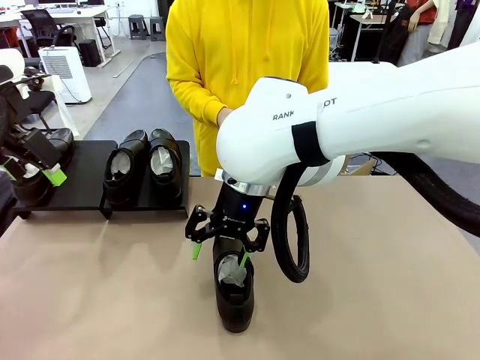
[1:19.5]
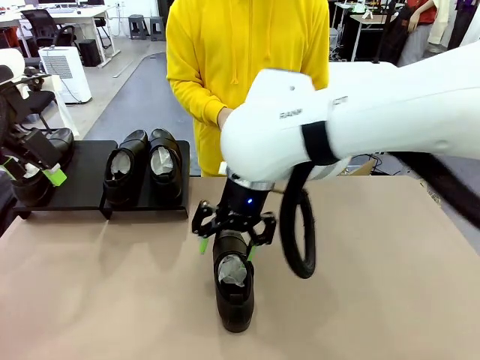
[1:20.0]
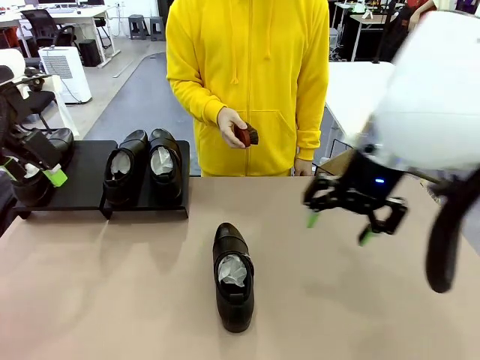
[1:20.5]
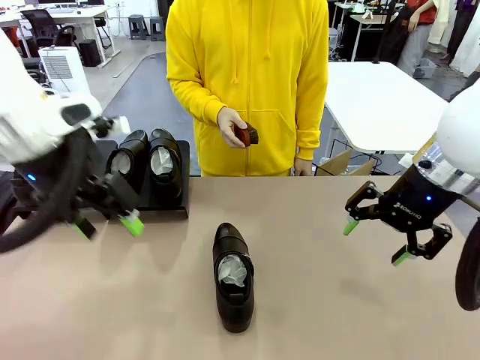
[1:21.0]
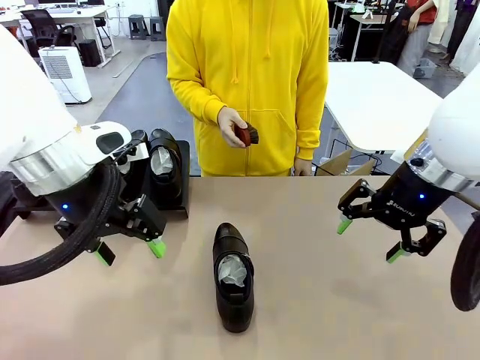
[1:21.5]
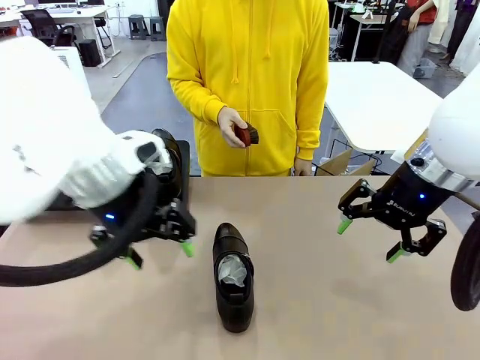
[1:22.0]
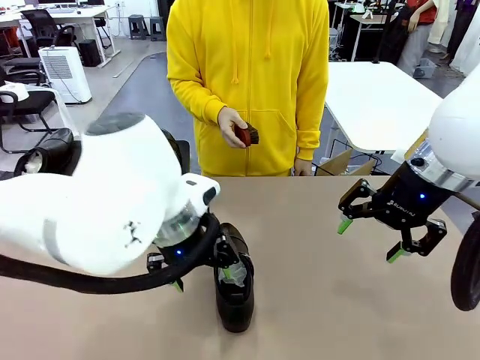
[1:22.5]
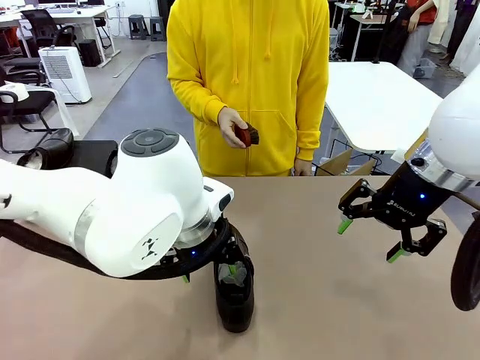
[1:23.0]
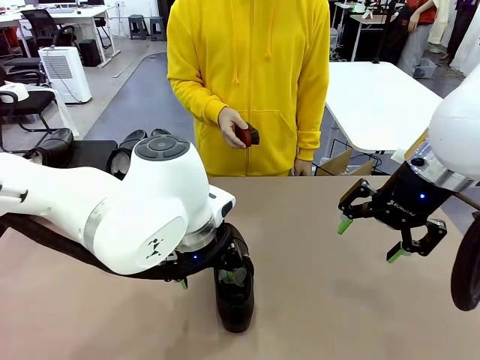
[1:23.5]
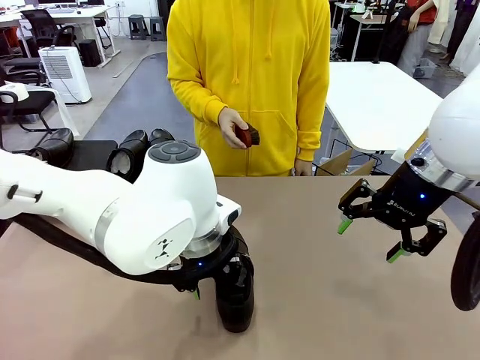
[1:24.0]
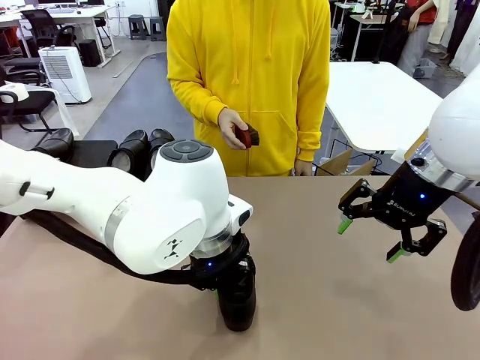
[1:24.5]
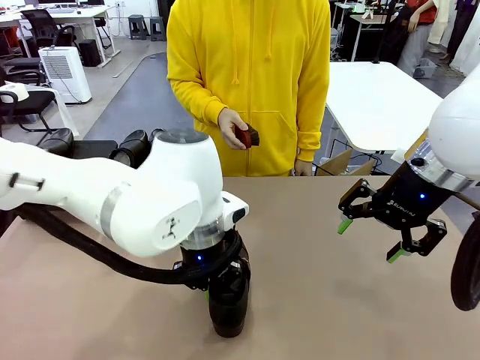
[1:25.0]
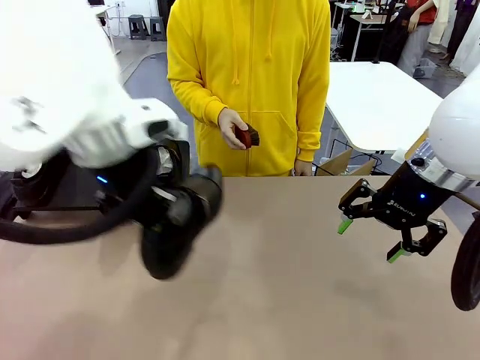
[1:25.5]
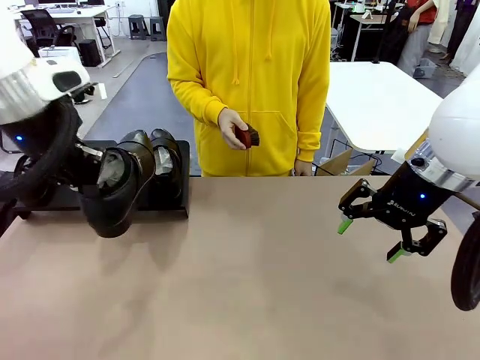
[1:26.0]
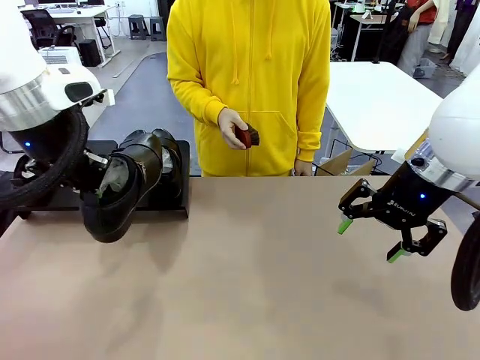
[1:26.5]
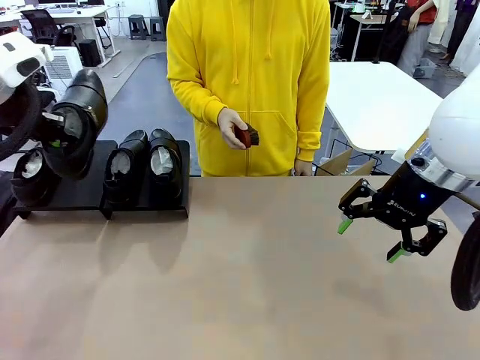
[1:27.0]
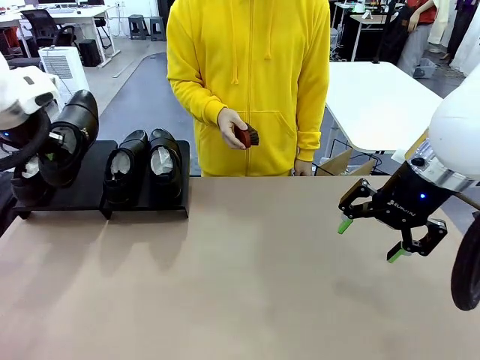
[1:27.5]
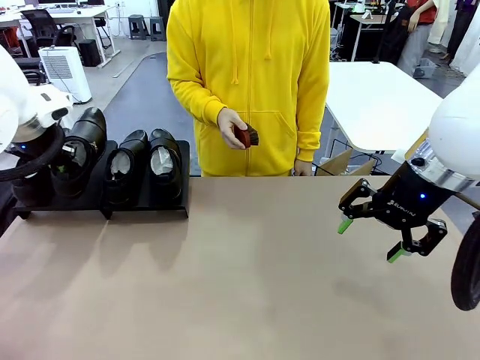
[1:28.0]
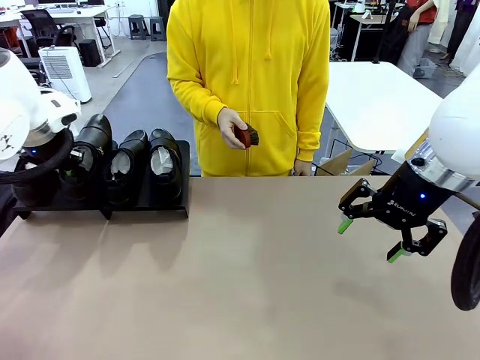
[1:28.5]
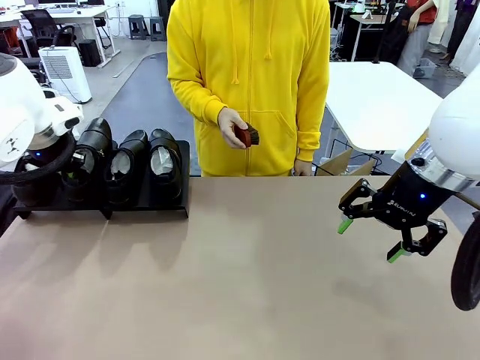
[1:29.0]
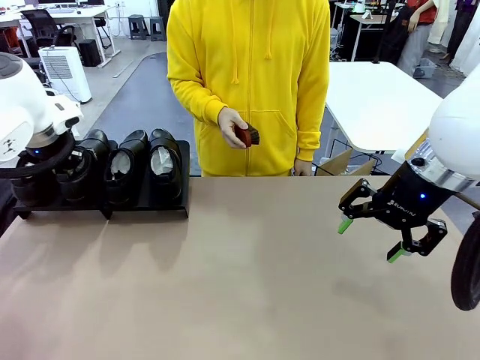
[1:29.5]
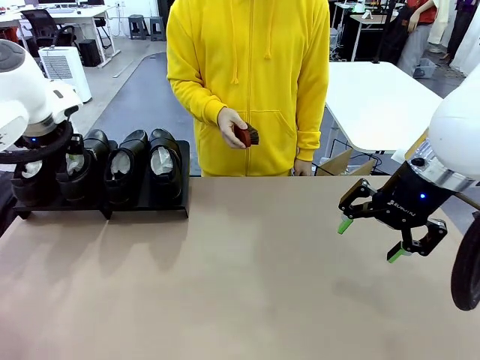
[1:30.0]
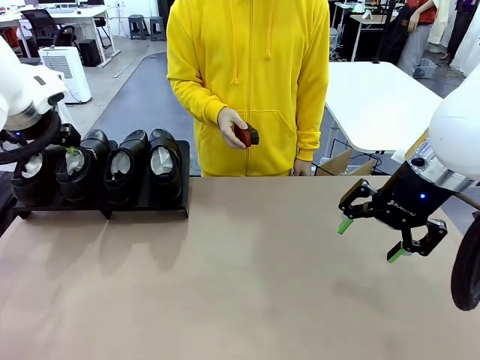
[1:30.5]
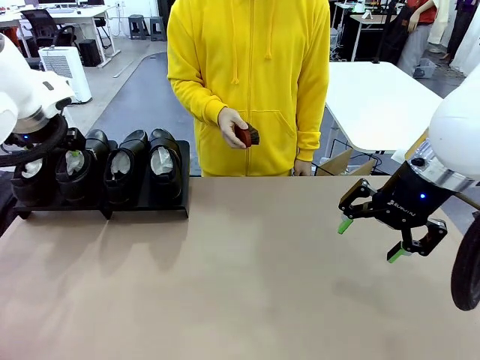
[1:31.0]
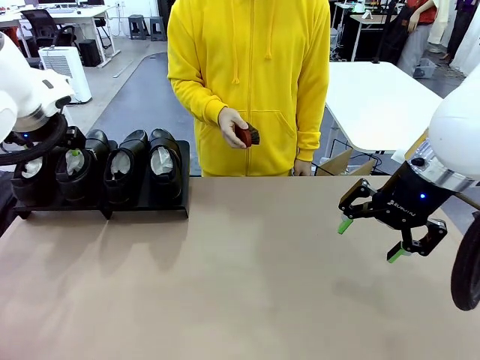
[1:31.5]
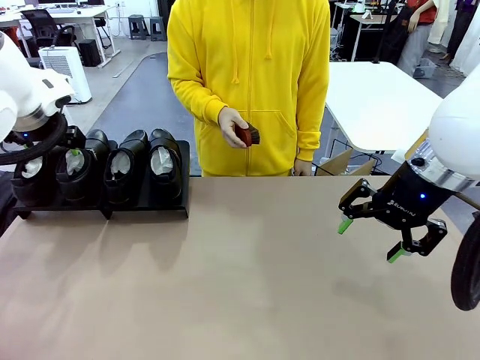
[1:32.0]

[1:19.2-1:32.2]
Task: Organize the shoes by placing them on the stand.
Robot: Place the Shoe from the middle of the table onto the Shoes Stand.

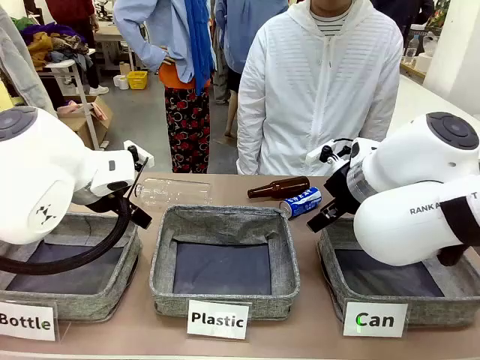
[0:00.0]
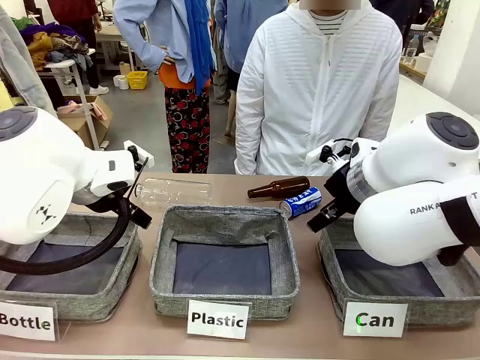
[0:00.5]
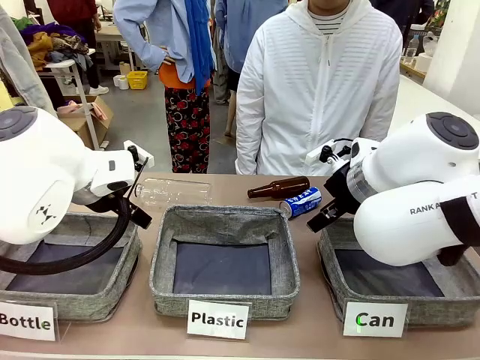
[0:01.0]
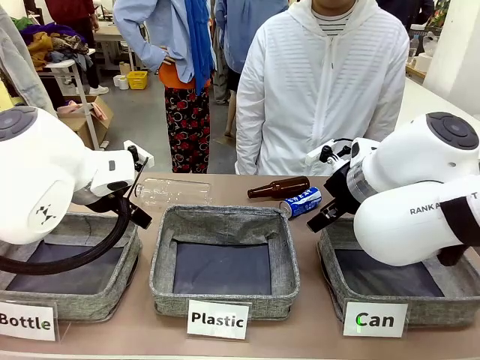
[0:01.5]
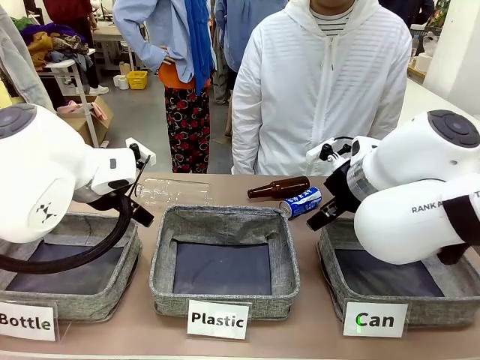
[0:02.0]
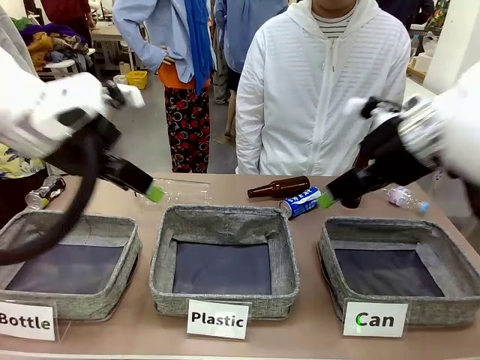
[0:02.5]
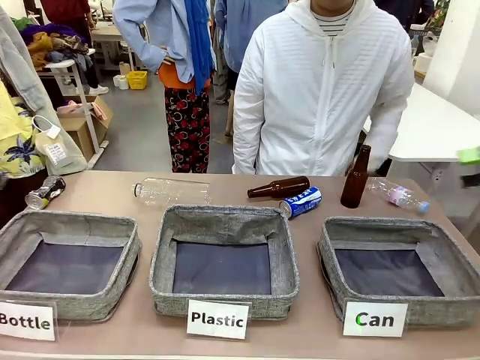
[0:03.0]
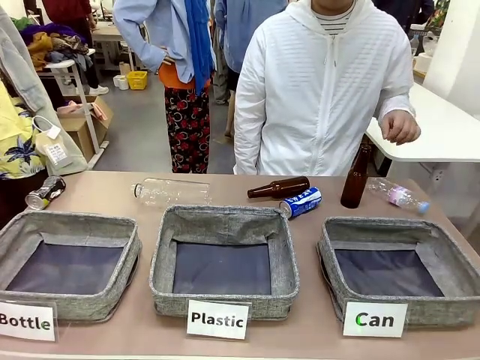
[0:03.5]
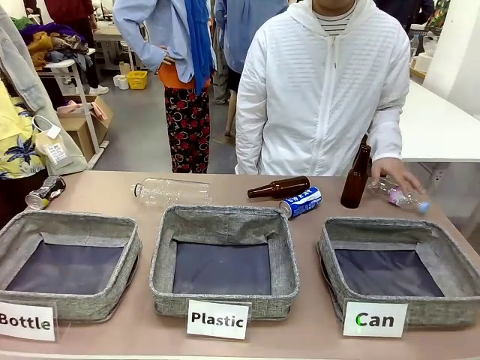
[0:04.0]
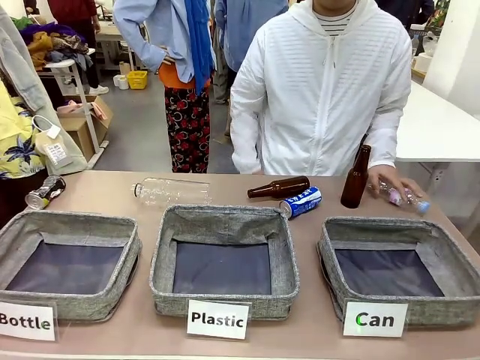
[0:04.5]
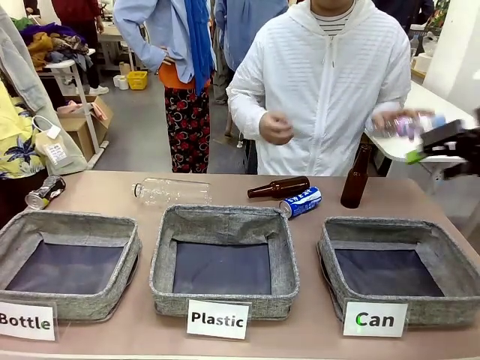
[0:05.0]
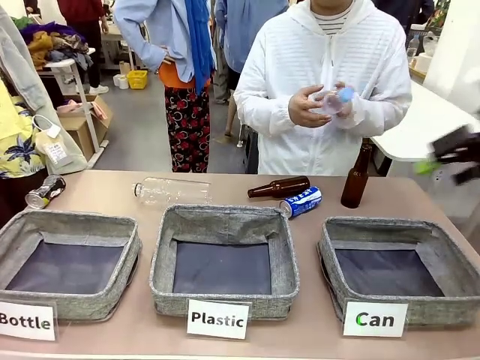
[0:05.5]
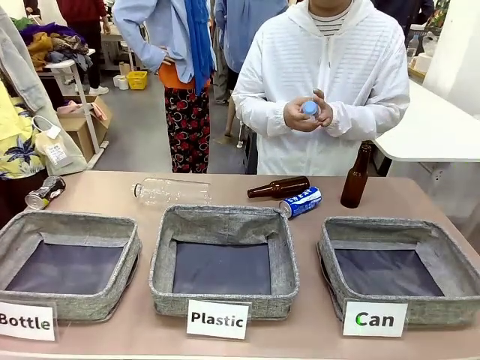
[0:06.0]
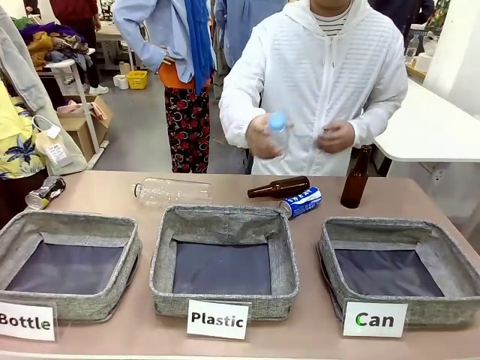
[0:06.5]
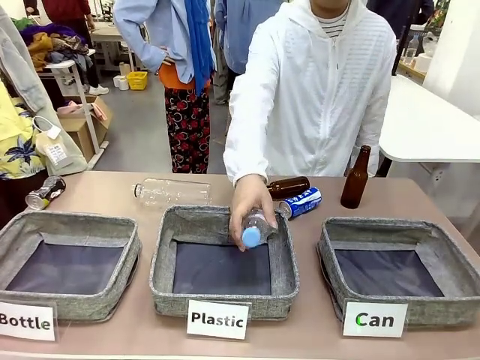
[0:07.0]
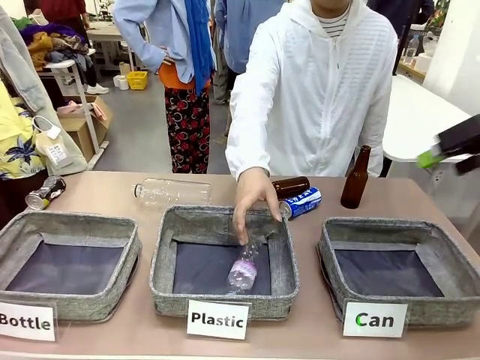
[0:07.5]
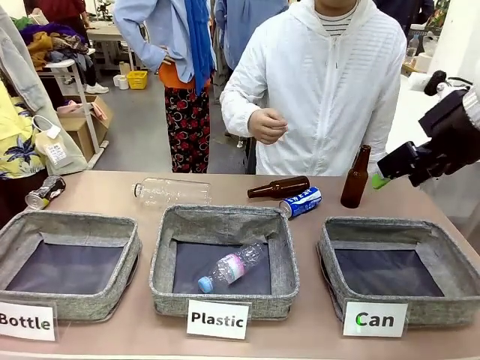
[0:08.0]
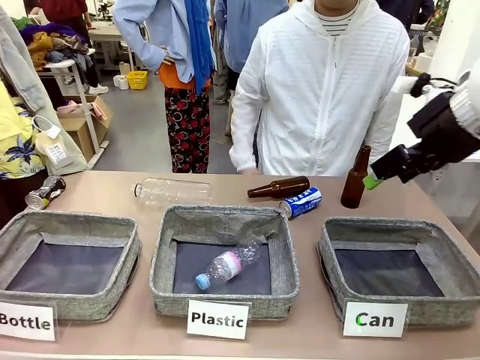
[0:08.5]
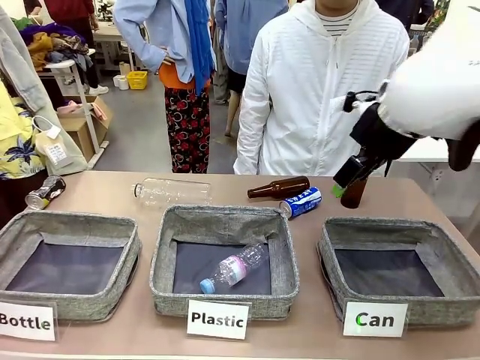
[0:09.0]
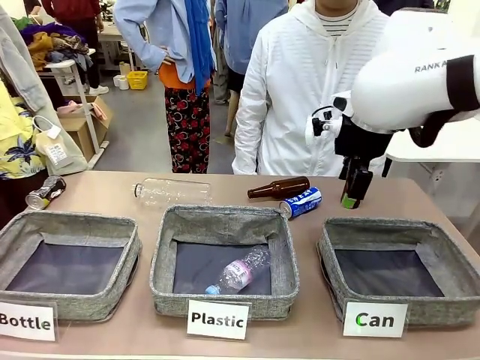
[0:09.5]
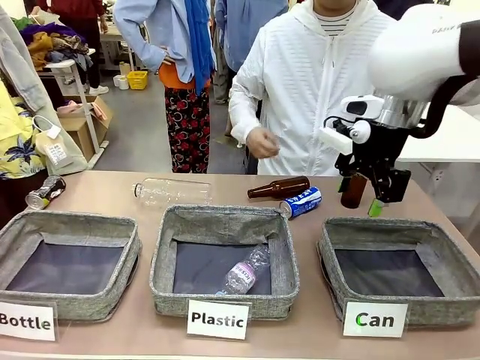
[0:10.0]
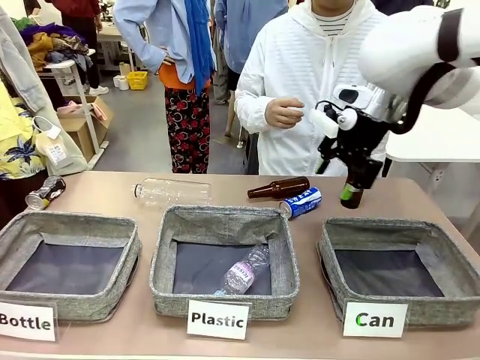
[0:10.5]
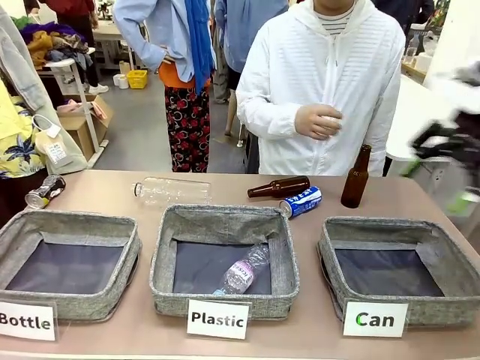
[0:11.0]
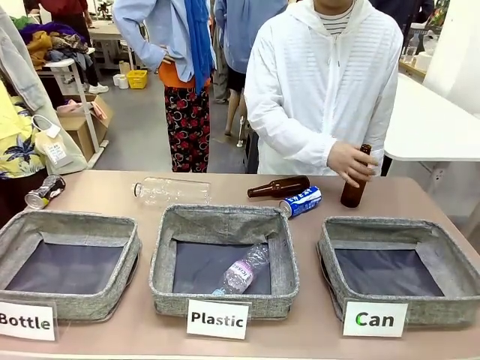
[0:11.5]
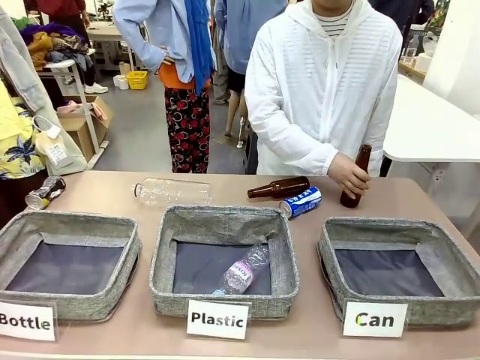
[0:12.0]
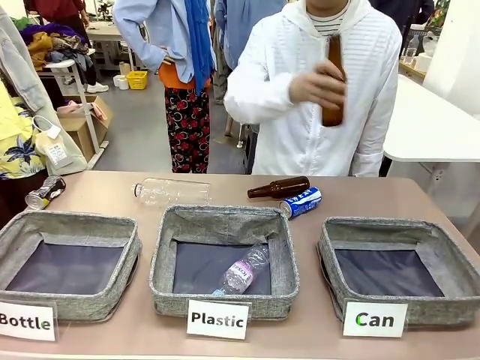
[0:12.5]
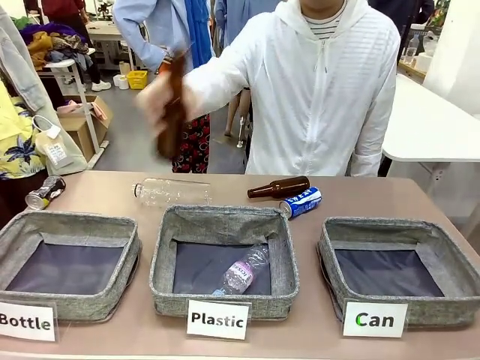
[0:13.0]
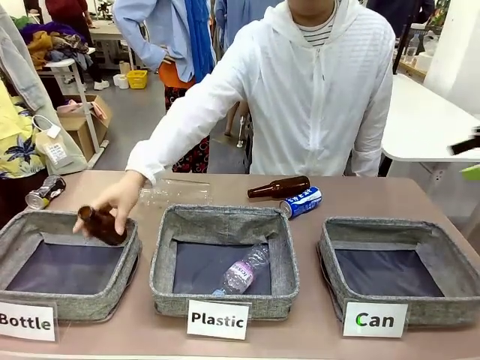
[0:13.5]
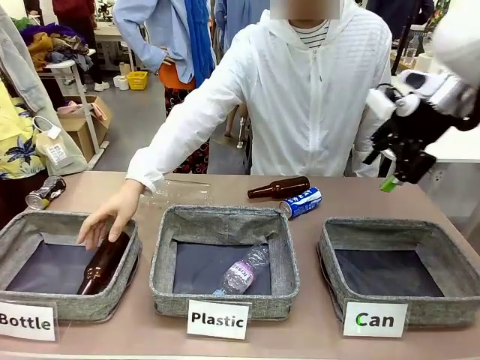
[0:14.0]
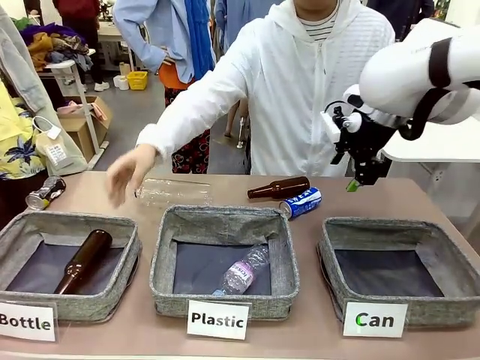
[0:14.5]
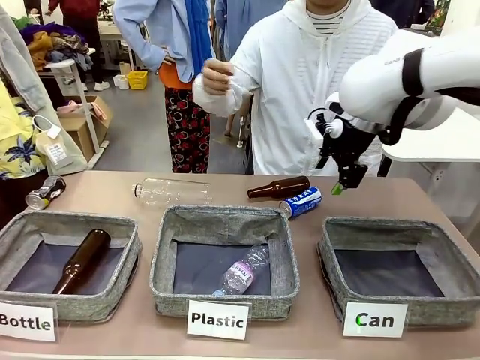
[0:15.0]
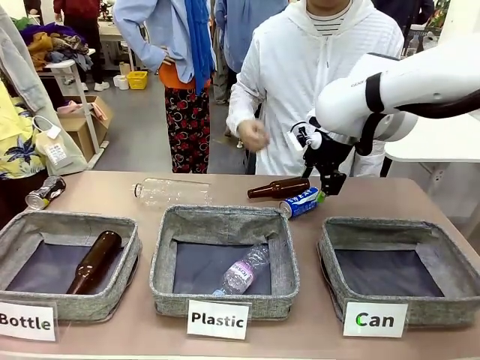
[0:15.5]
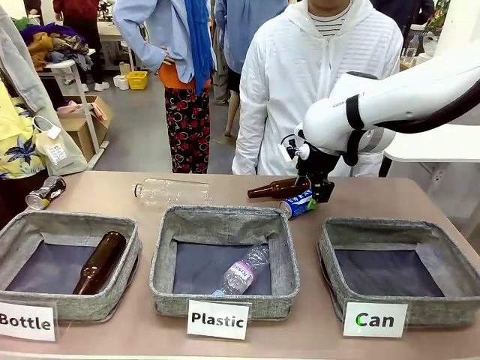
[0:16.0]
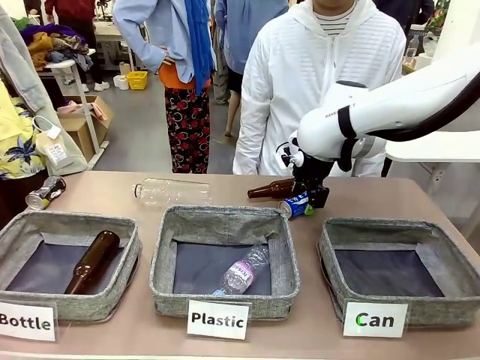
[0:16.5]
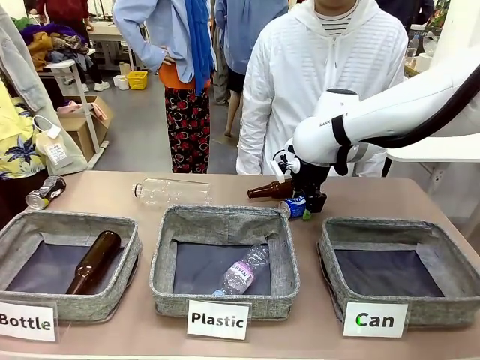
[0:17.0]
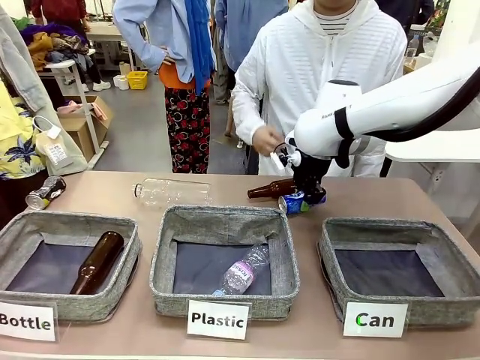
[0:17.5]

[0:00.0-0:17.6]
Task: Sort the can waste into the basket.
Robot: Pick up the can waste from the table and place it in the right Fabric basket.
